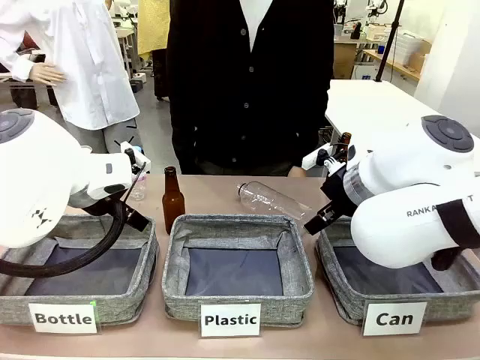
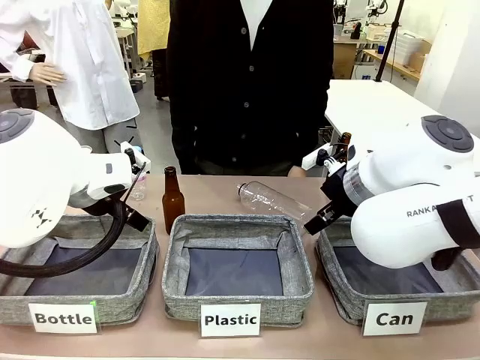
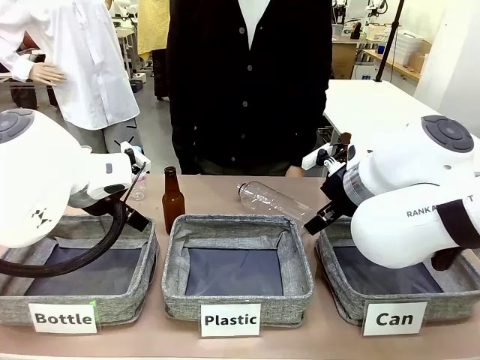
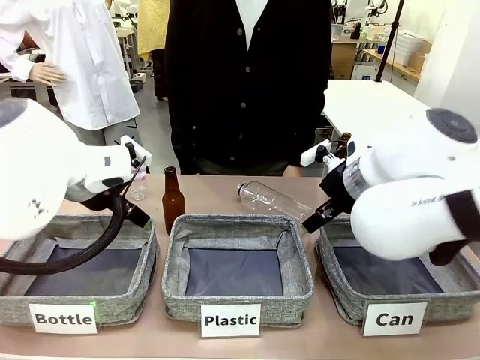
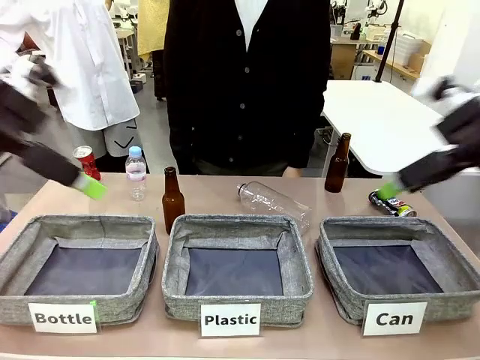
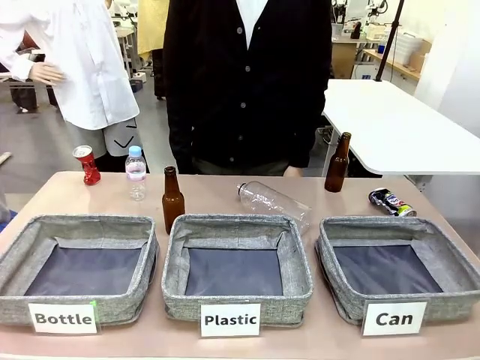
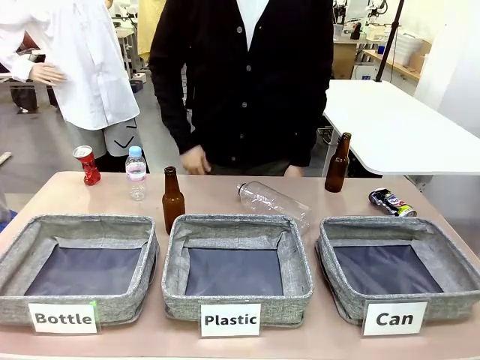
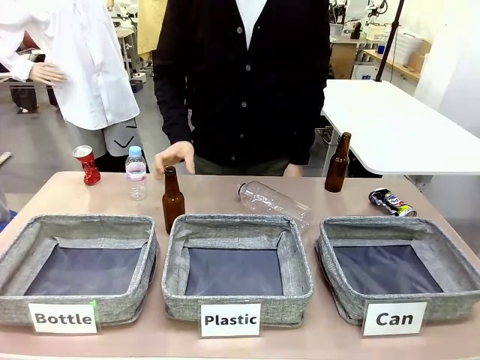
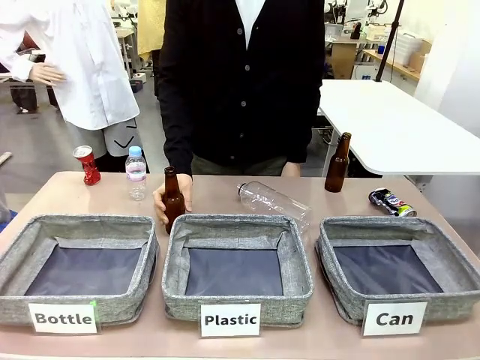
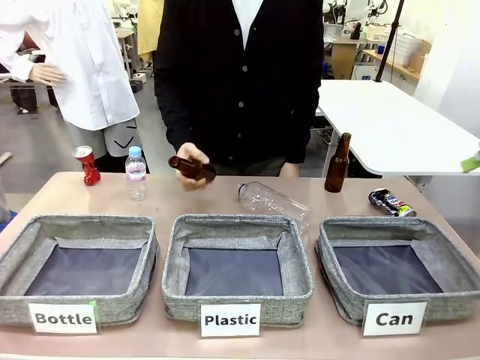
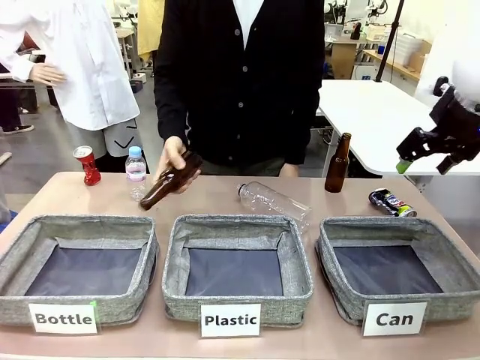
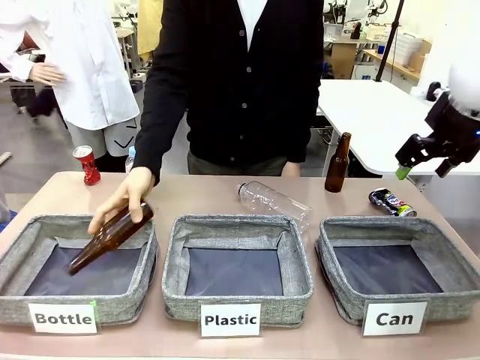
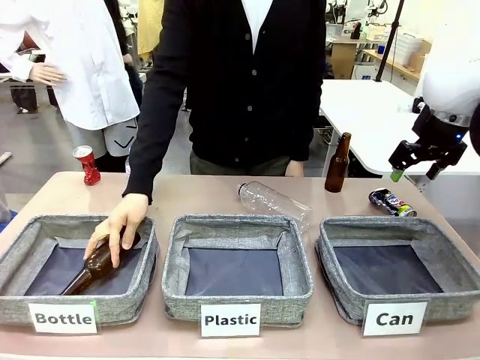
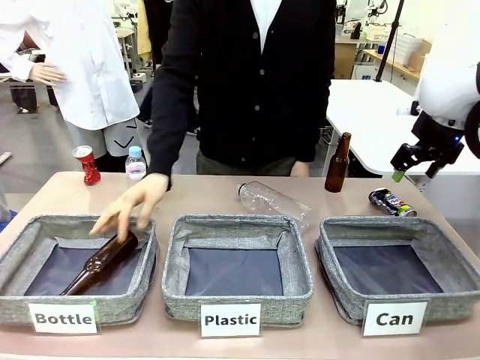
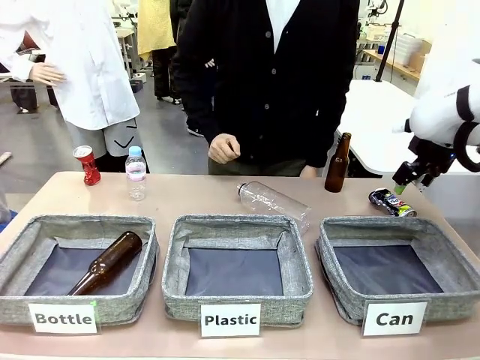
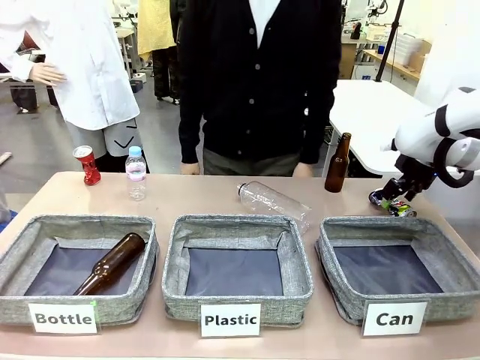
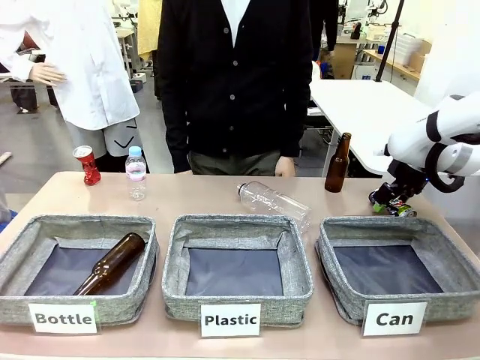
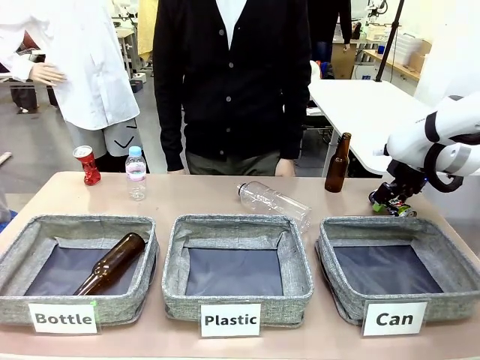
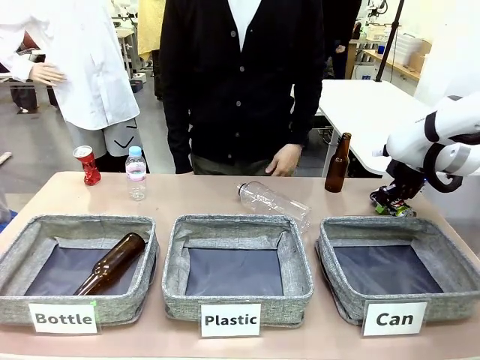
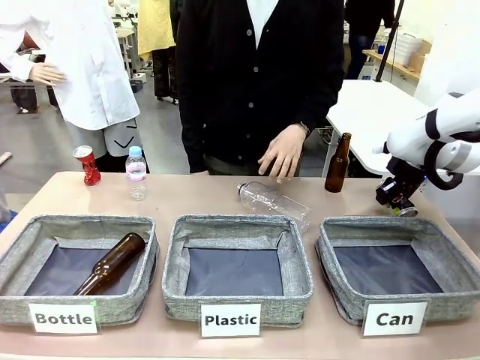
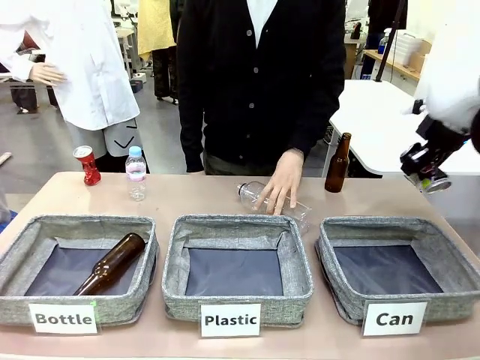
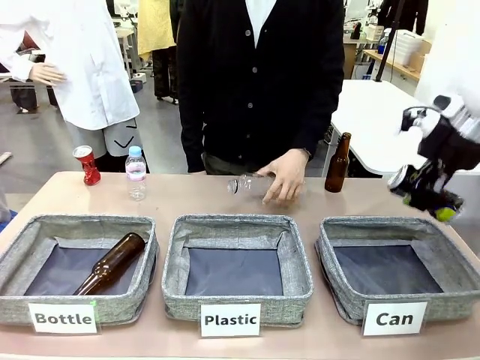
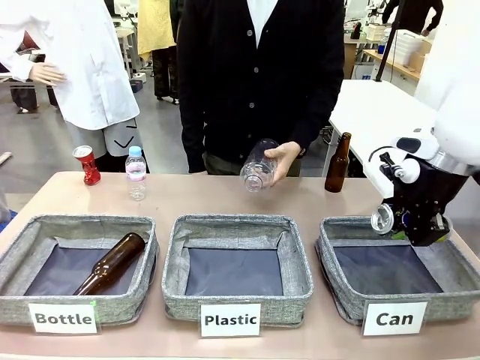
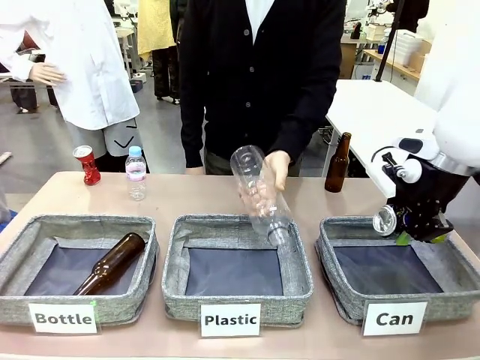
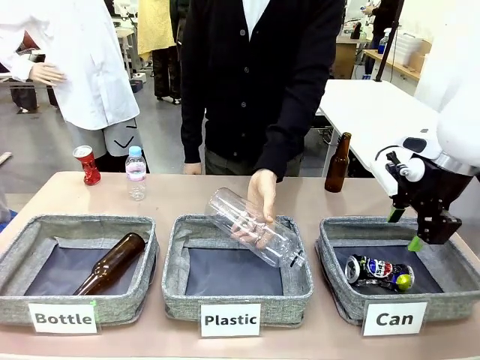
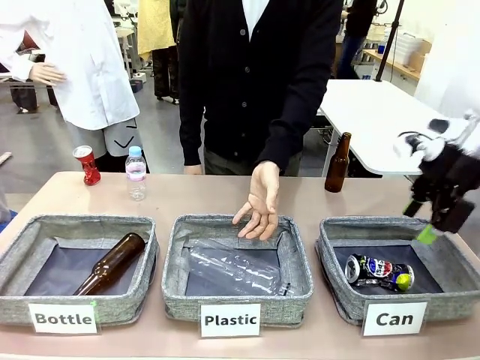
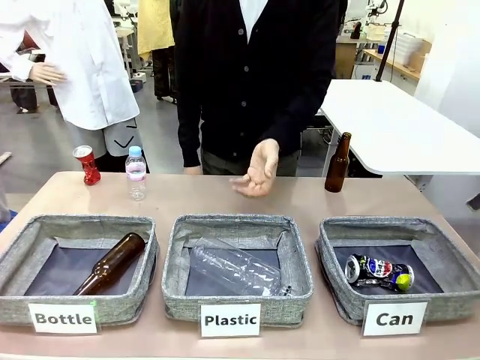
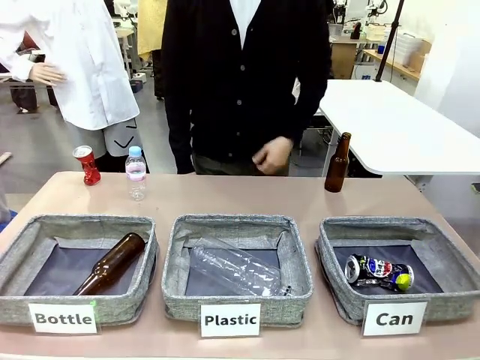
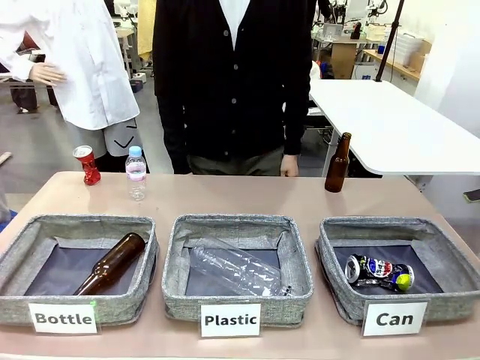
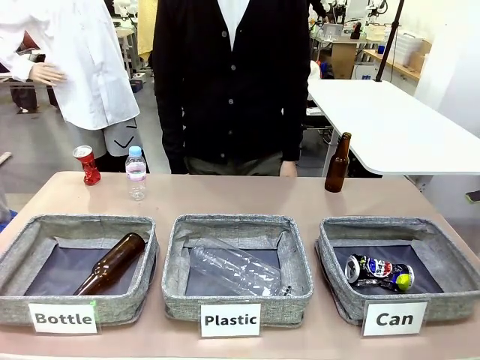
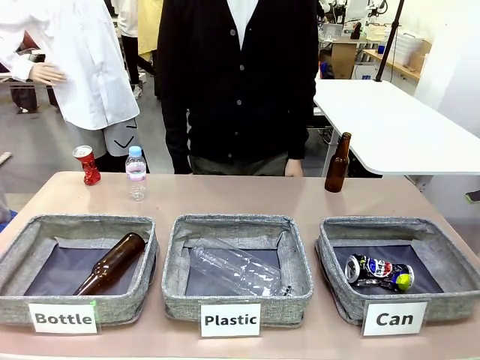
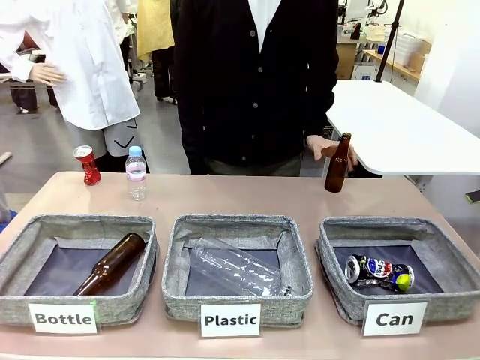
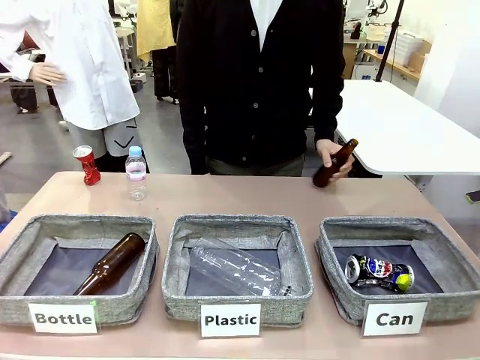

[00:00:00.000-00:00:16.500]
Task: Sort the can waste into the basket.
Robot: Pick up the can waste from the table and place it in the right Fabric basket.

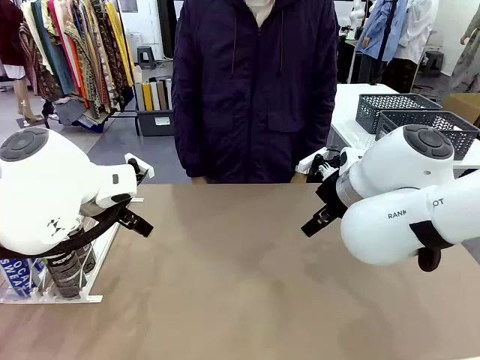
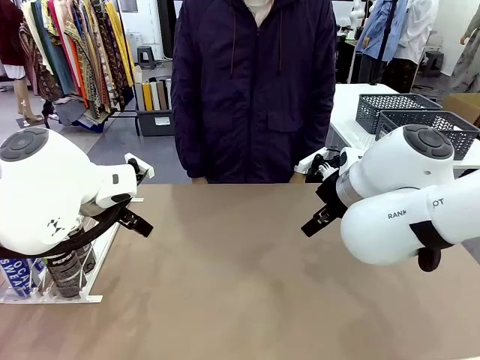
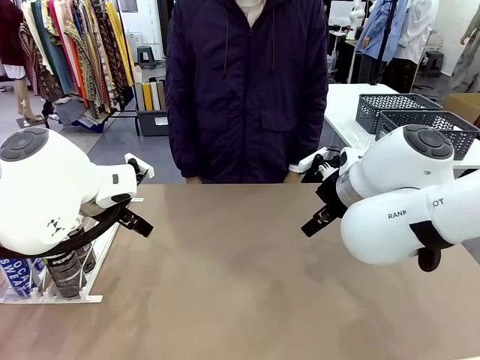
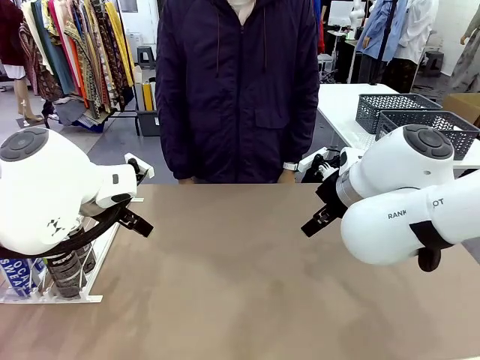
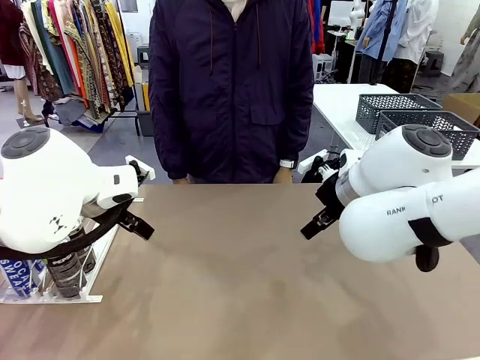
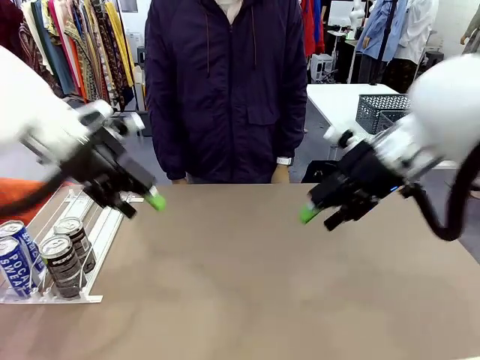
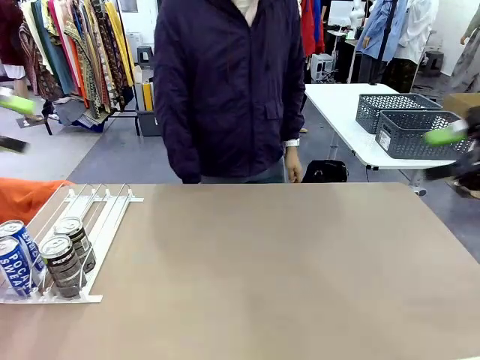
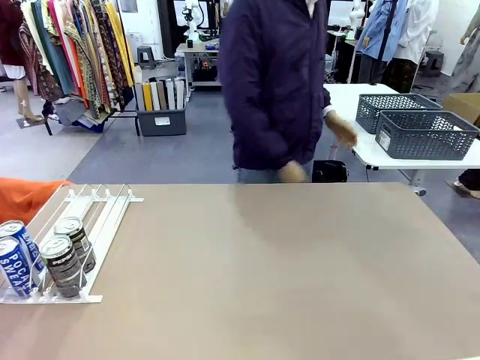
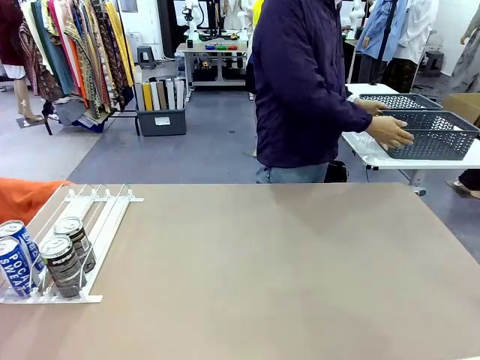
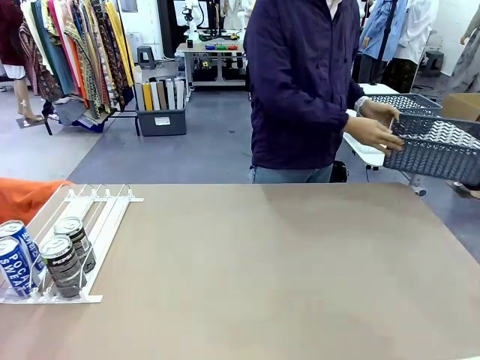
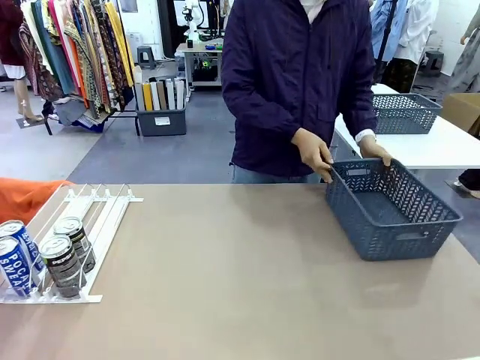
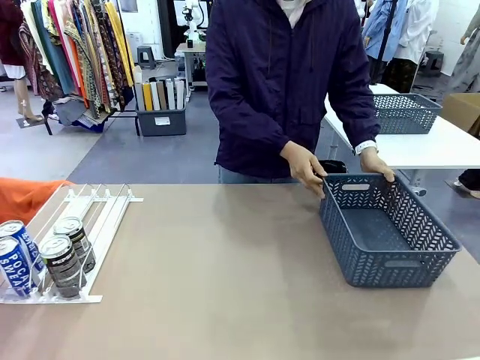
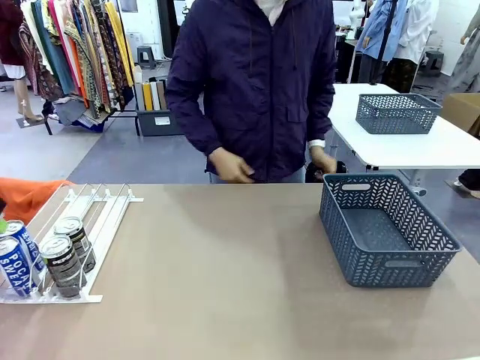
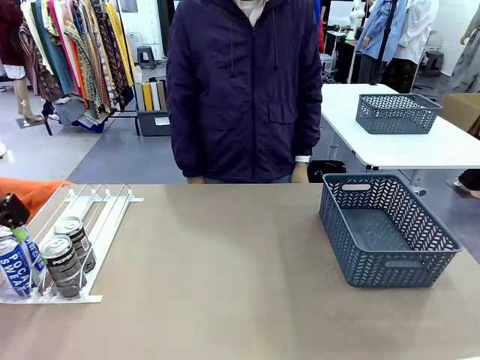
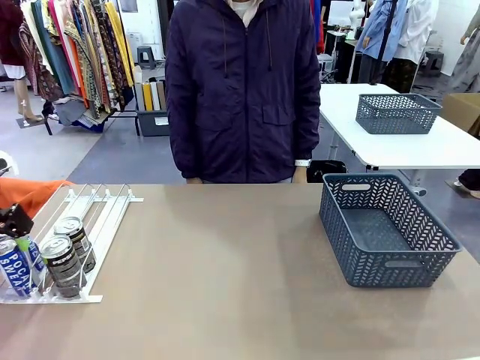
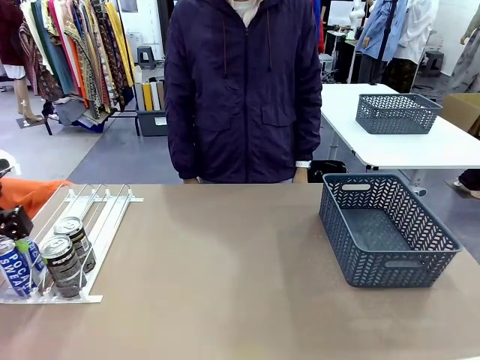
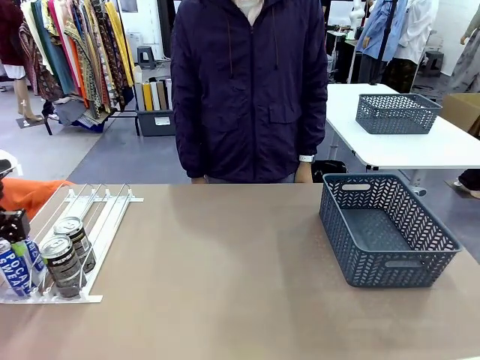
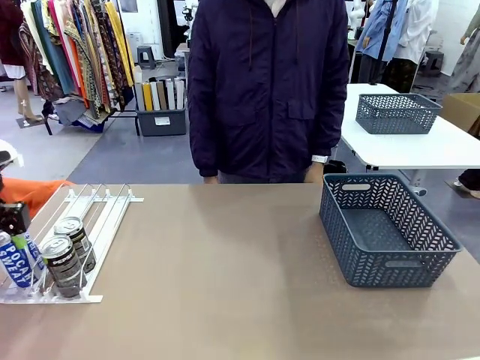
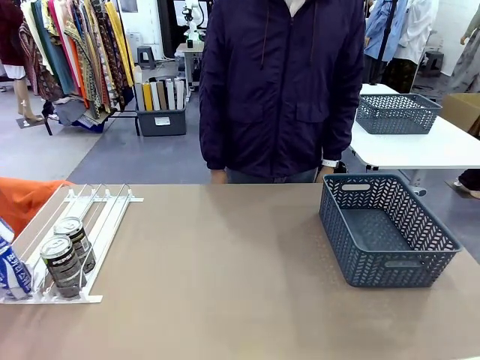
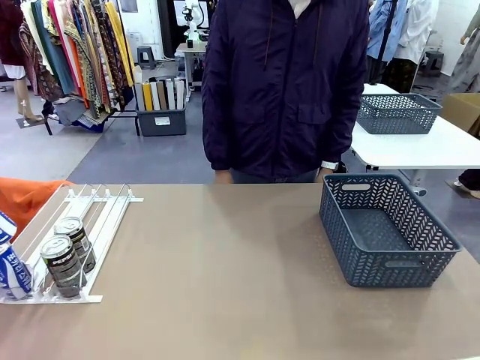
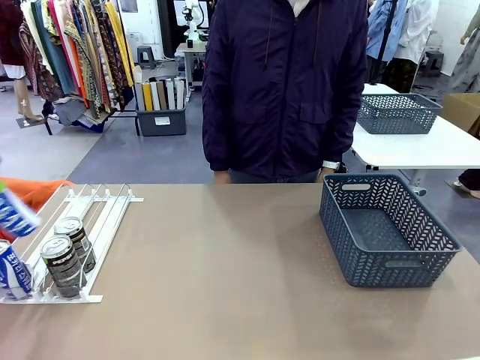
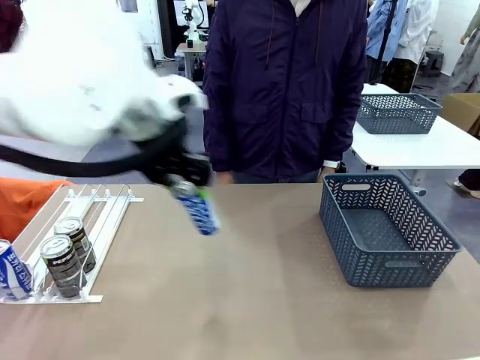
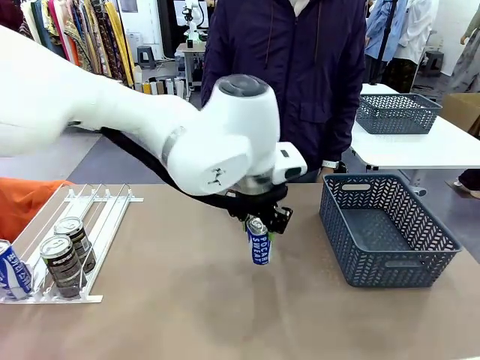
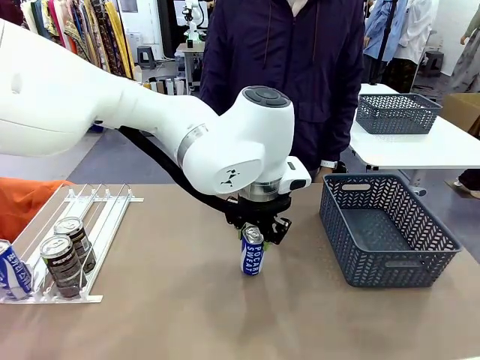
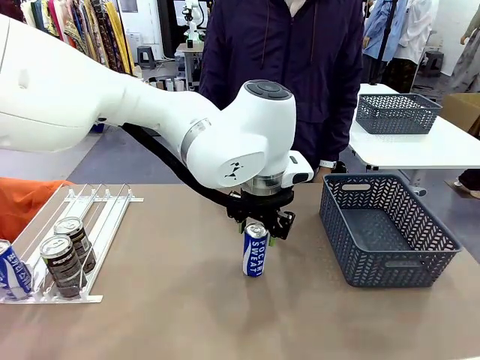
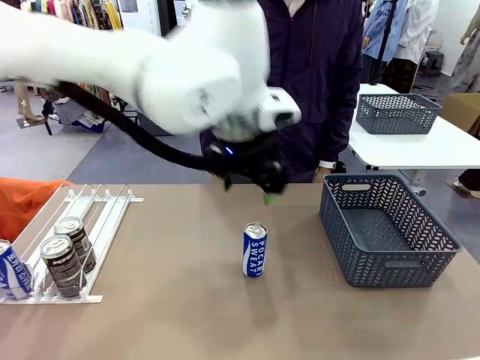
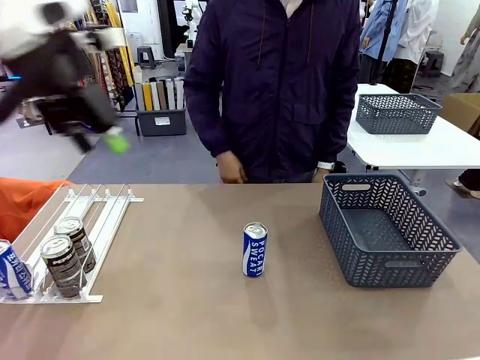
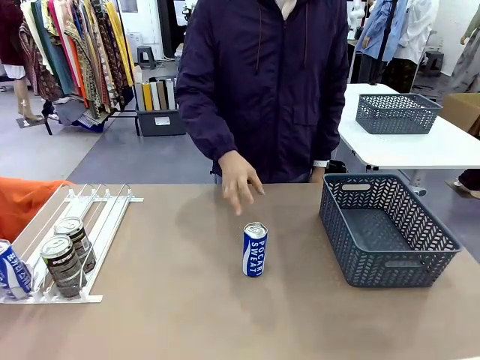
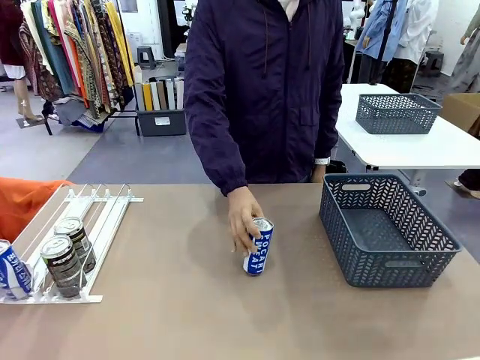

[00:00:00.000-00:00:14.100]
Task: Retrieve and store the cans from the dispenser.
Robot: Pick up one can from the Automatic Can Dispenser and place it in the middle of the table.
Person: Pick up the basket and place it on the left side of the robot table.
